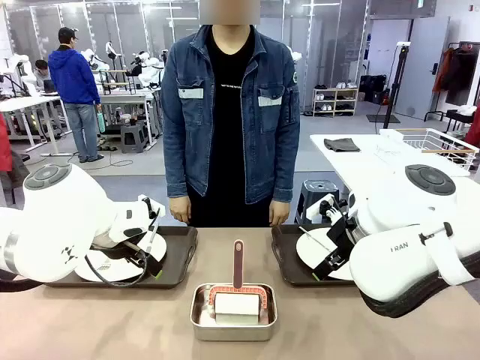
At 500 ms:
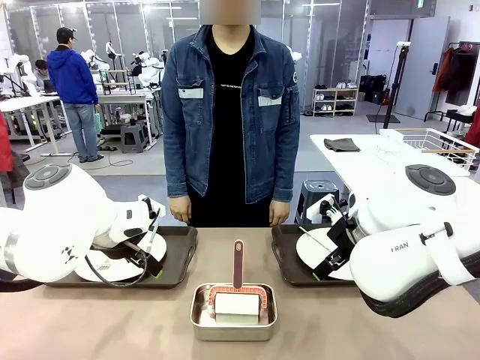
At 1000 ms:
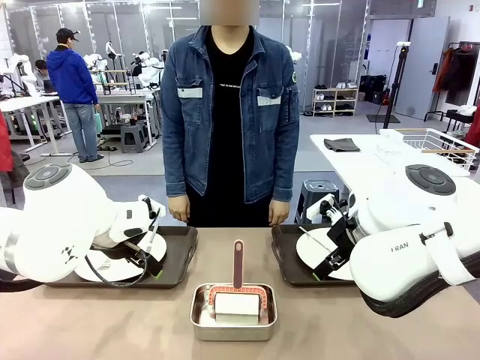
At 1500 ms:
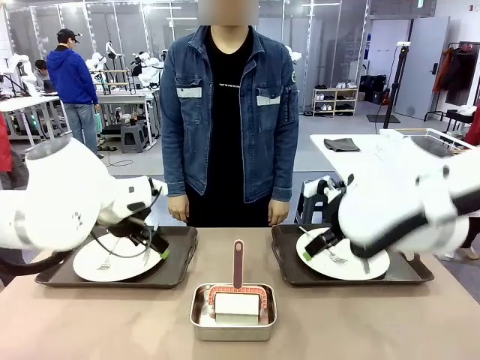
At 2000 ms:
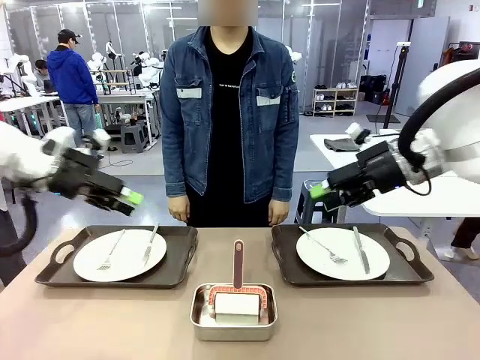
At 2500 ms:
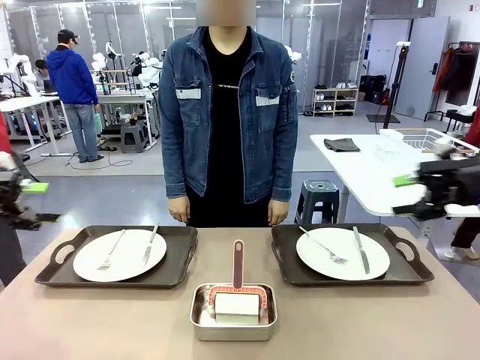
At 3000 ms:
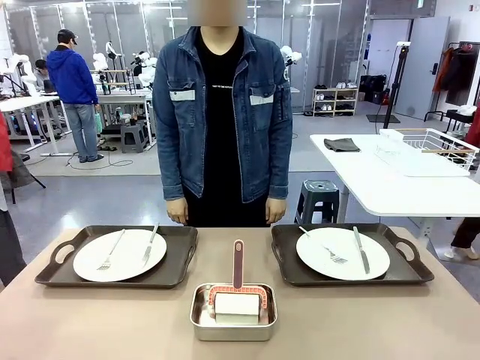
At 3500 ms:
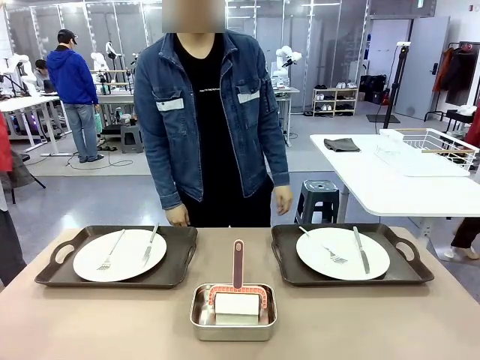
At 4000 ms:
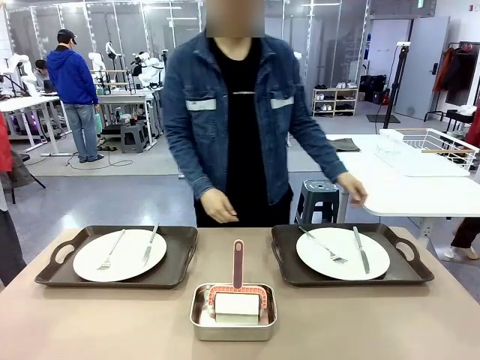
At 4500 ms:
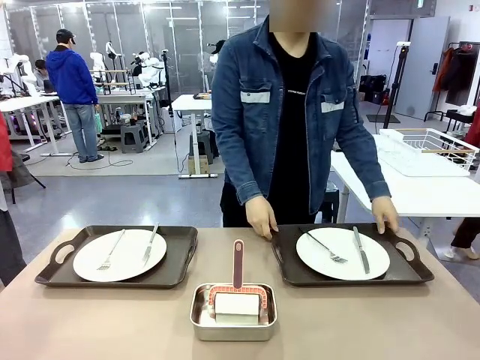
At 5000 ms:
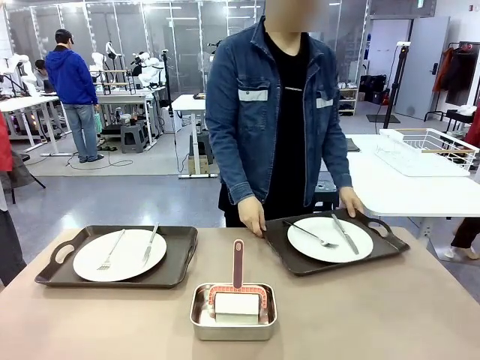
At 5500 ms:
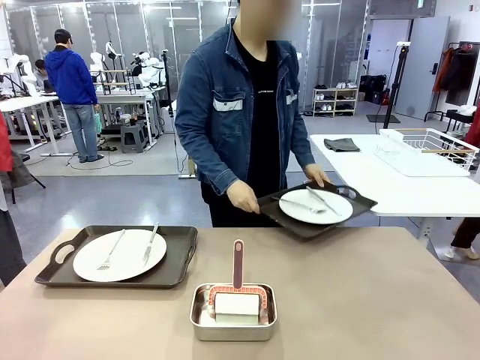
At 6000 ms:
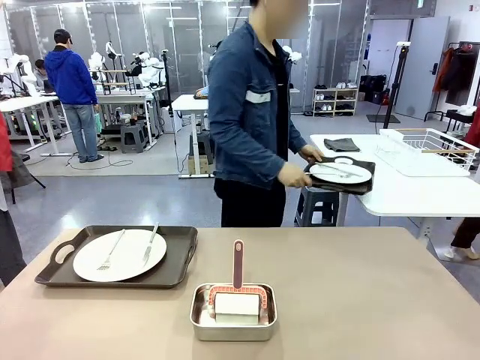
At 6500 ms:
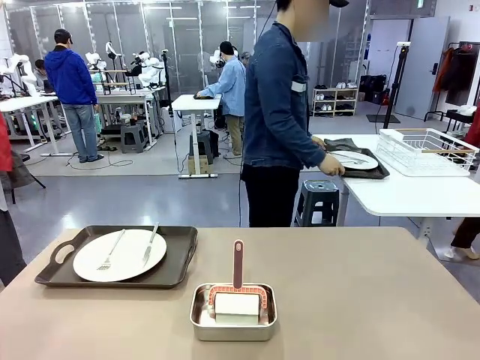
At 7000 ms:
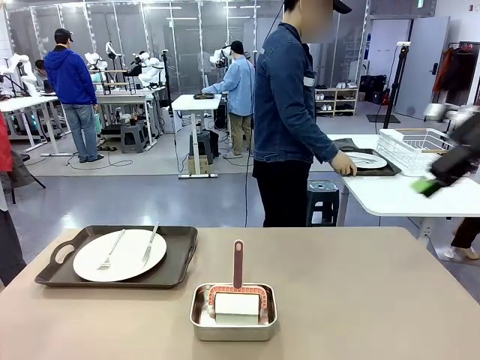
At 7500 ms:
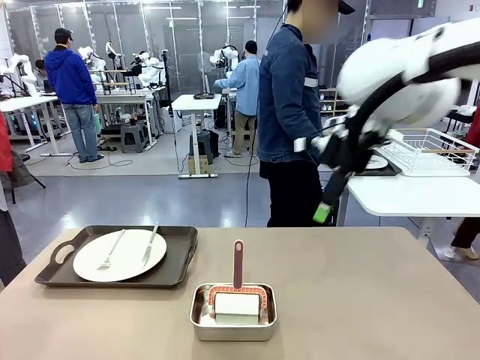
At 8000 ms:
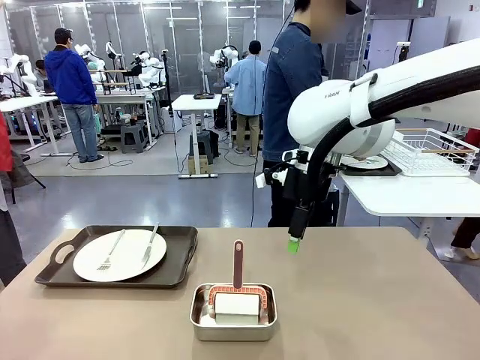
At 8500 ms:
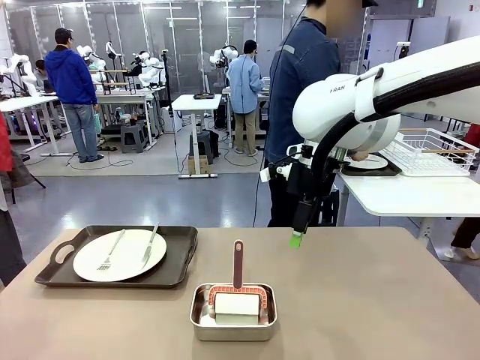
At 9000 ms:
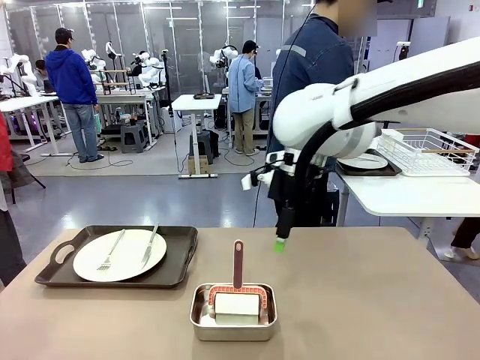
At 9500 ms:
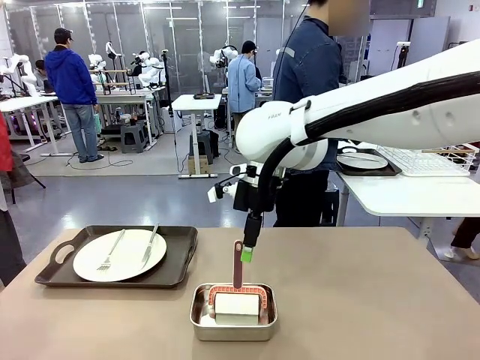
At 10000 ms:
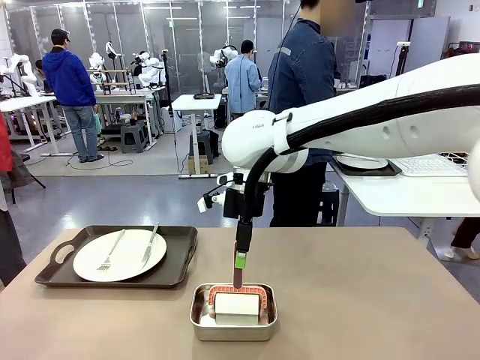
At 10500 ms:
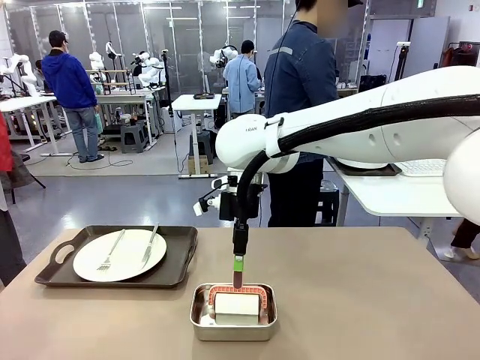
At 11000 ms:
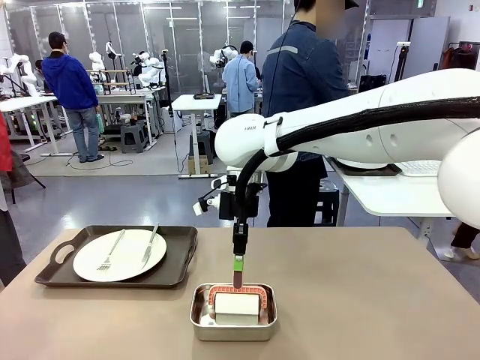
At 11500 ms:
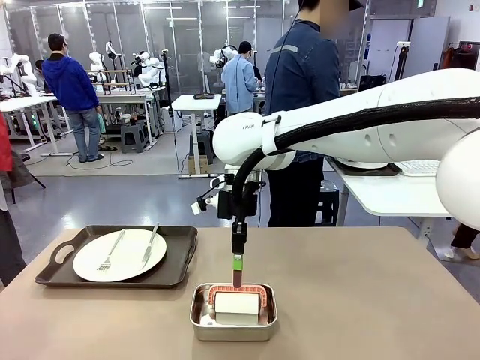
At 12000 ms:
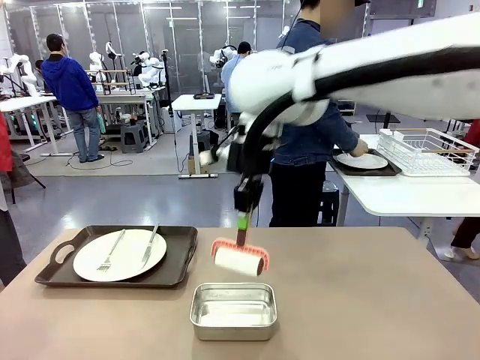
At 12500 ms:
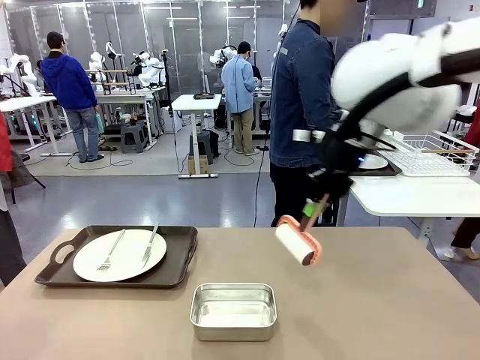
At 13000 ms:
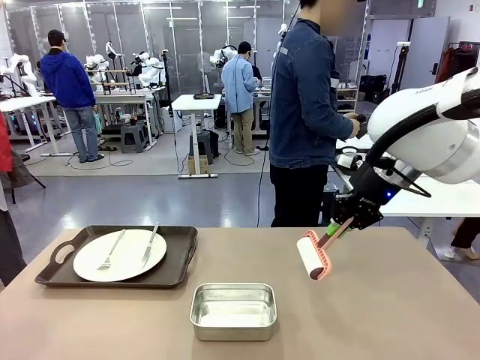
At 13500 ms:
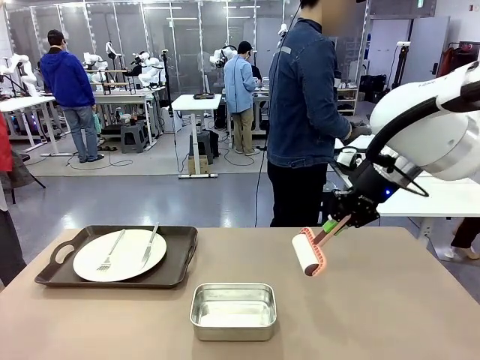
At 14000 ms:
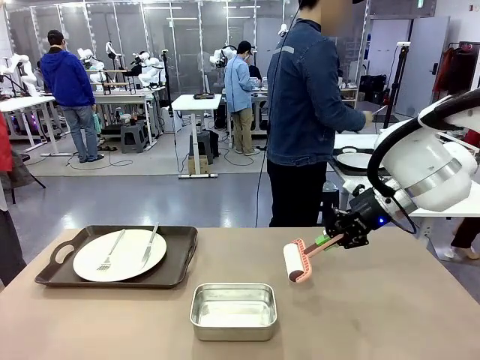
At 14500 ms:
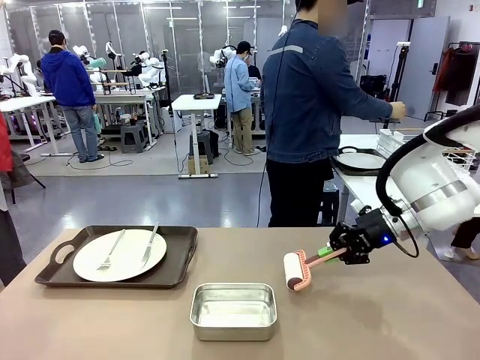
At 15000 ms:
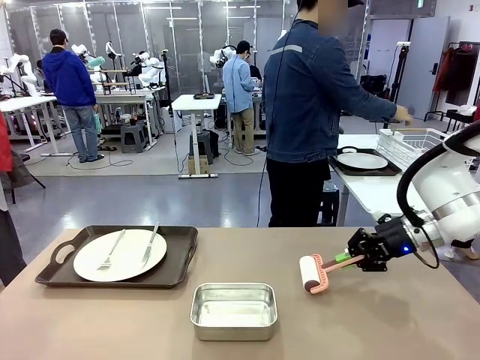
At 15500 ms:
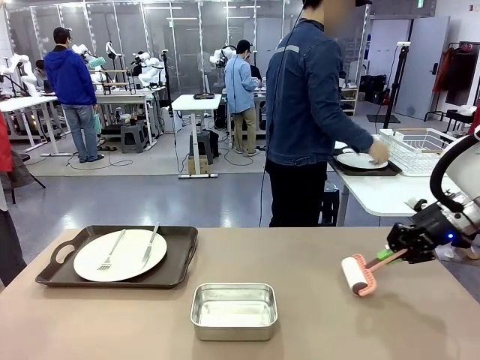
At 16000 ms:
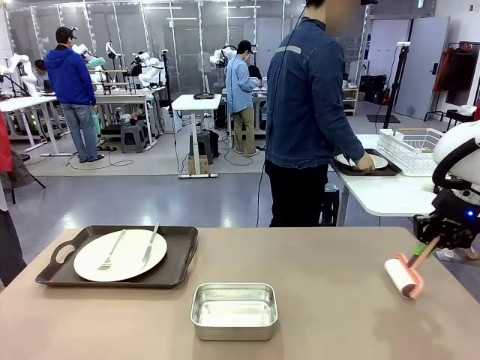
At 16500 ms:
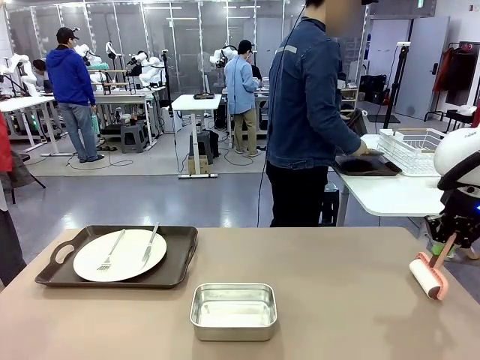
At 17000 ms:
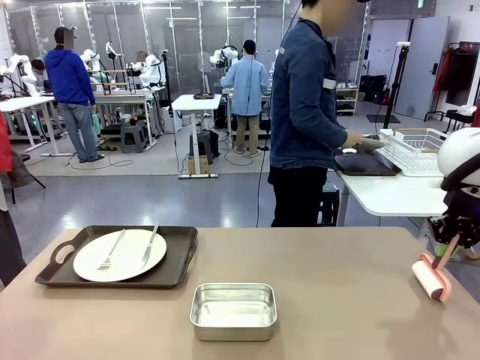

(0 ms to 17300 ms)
Robot: When the left (or right) Handle tray is removed, use the left hand (or right hand) to clean the left (or right) side of the table with the Lint Roller.
Person: Pick up the left (or right) Handle tray and place it on the middle of the Human's table. Use the Towel with hook to wipe the Plastic Matte Plate , Fork , and Knife and place into the Dish drying rack.

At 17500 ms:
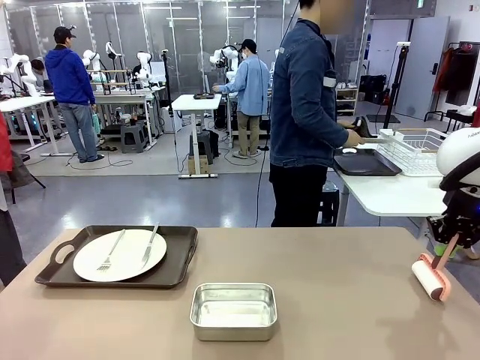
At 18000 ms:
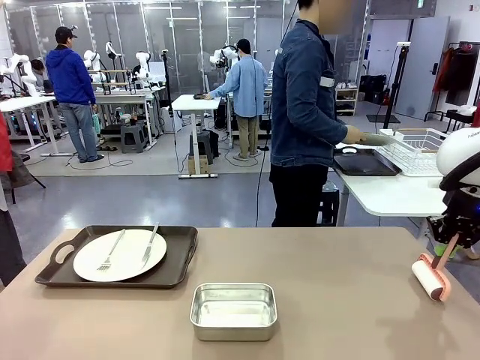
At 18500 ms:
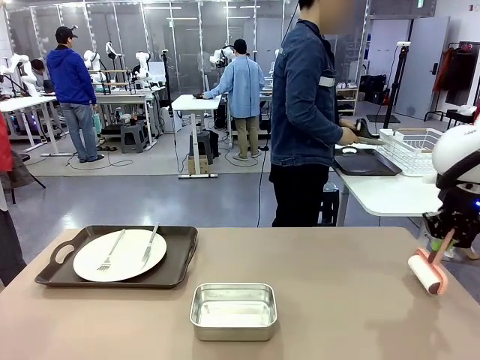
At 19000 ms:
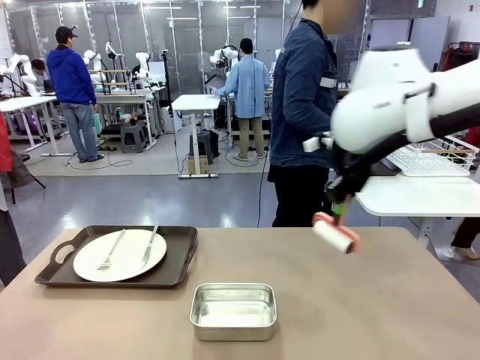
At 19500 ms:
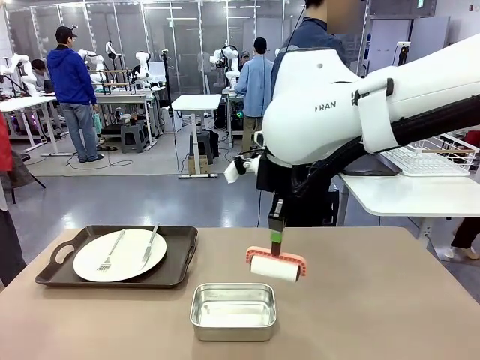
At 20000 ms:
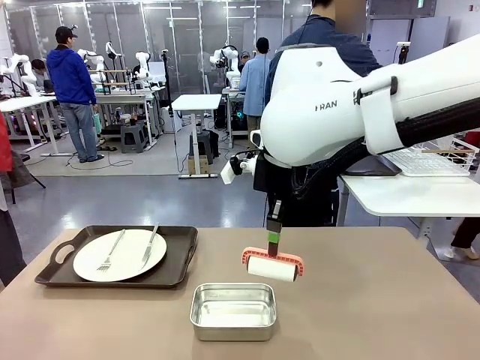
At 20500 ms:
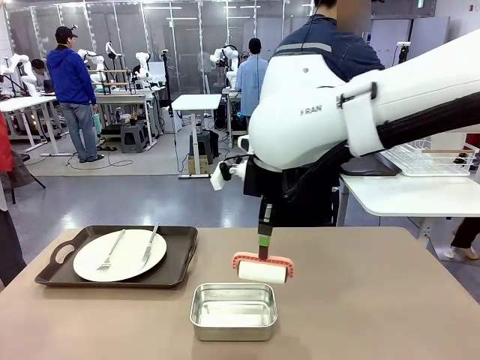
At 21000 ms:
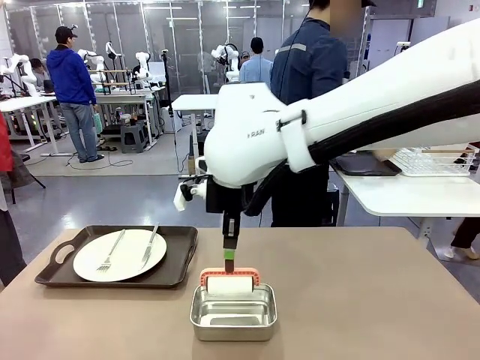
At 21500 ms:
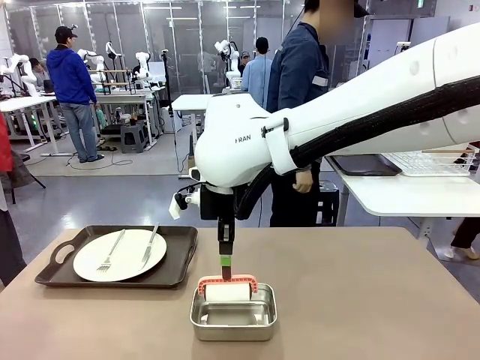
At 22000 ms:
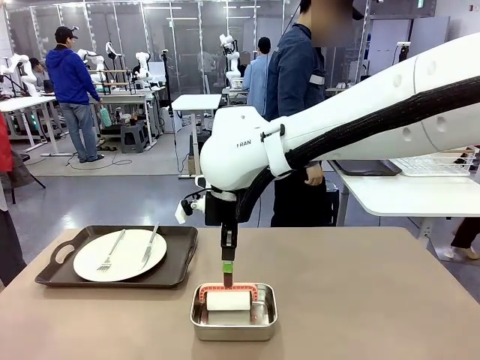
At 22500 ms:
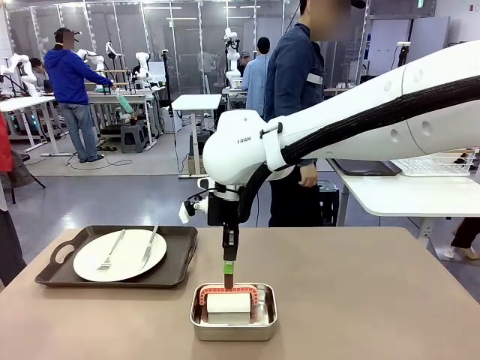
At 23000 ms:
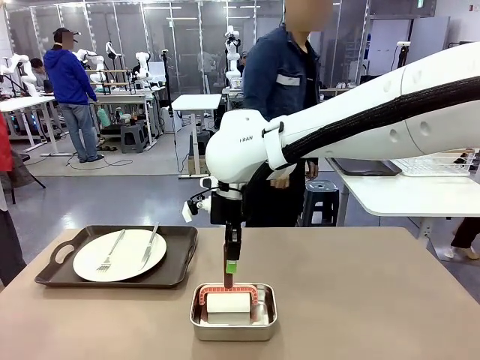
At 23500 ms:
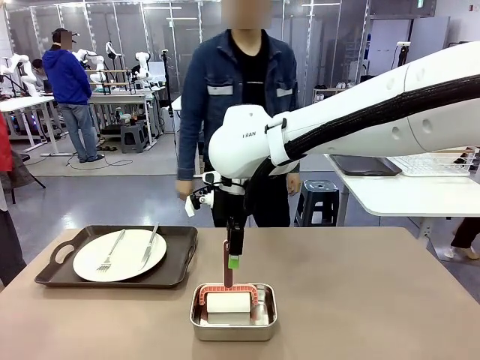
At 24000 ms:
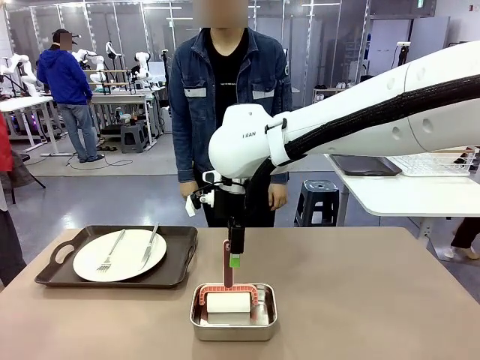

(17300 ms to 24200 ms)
Robot: Place the Lint Roller back on top of the Airtight Container.
